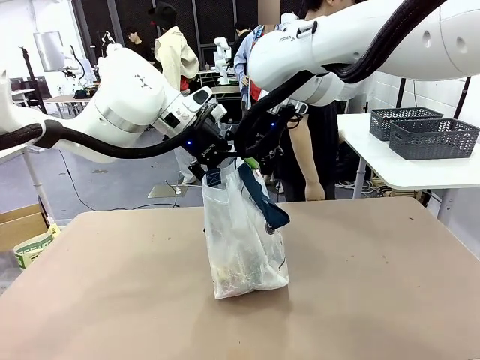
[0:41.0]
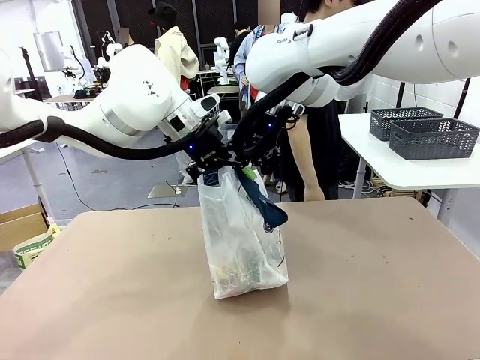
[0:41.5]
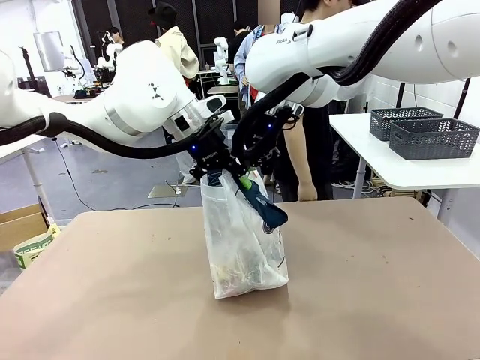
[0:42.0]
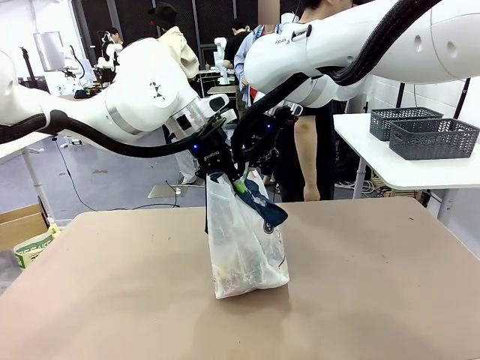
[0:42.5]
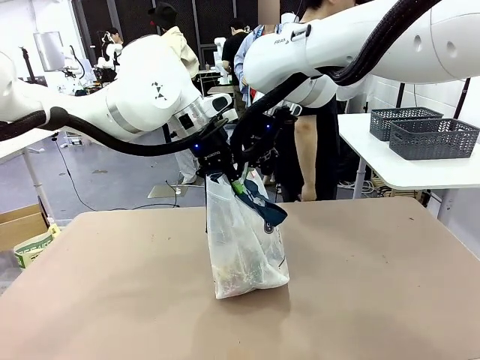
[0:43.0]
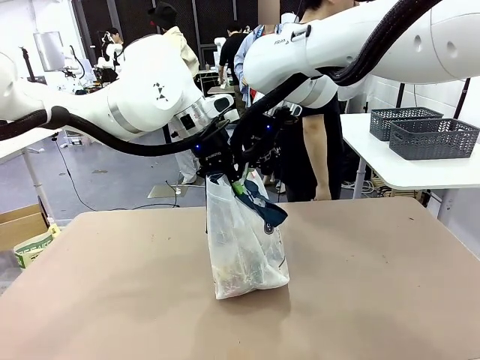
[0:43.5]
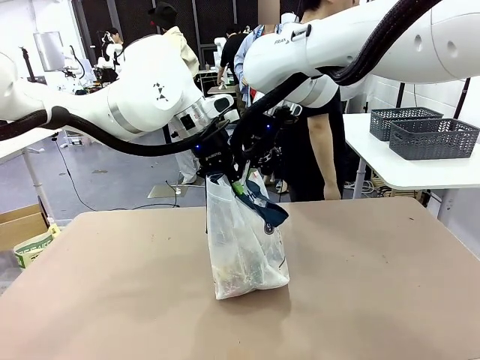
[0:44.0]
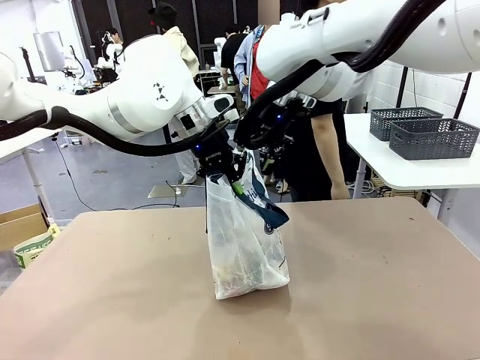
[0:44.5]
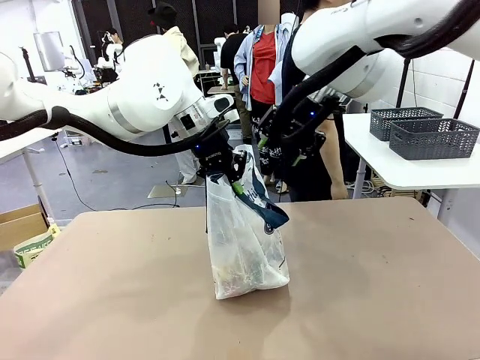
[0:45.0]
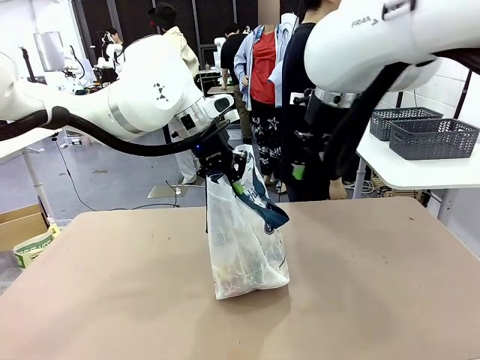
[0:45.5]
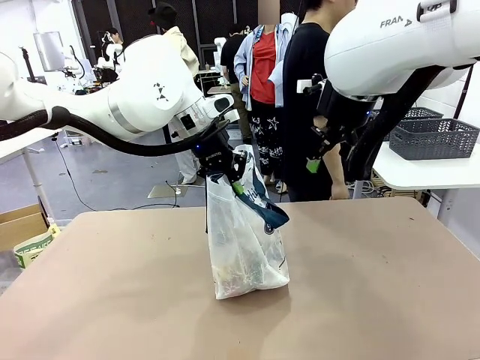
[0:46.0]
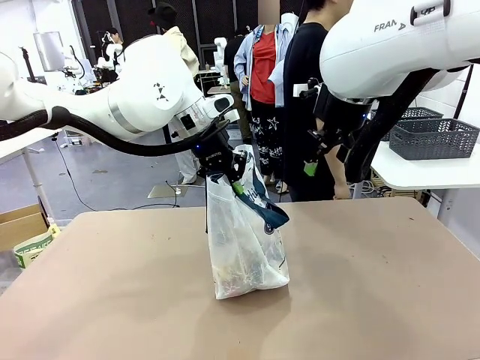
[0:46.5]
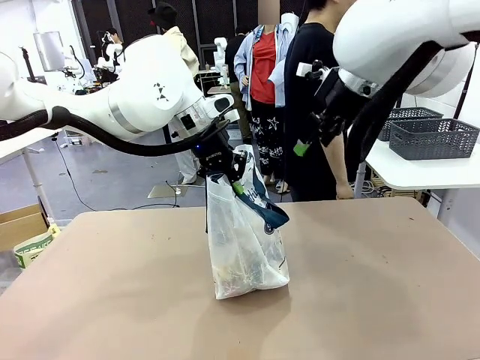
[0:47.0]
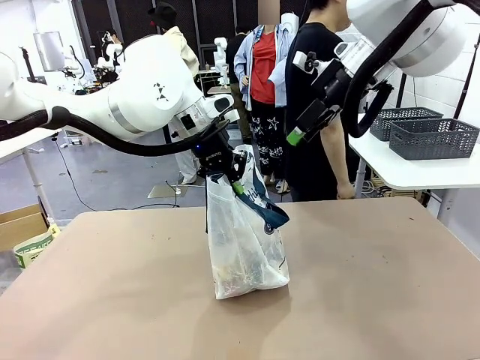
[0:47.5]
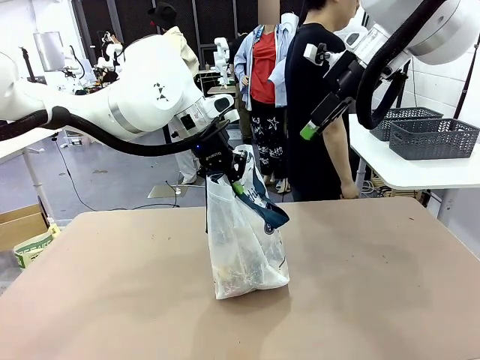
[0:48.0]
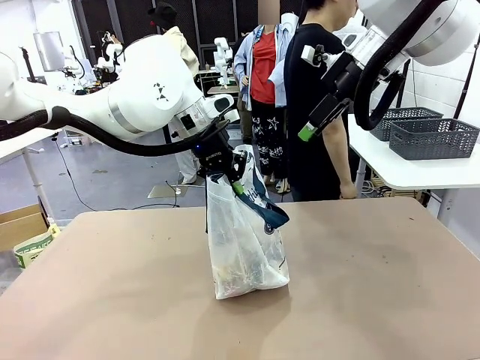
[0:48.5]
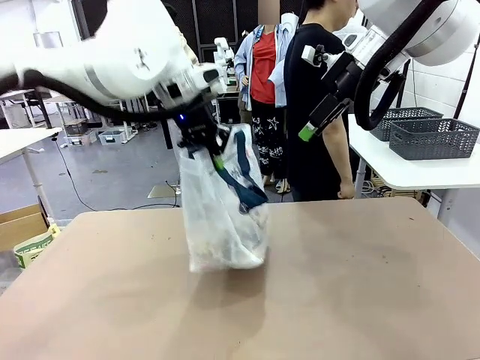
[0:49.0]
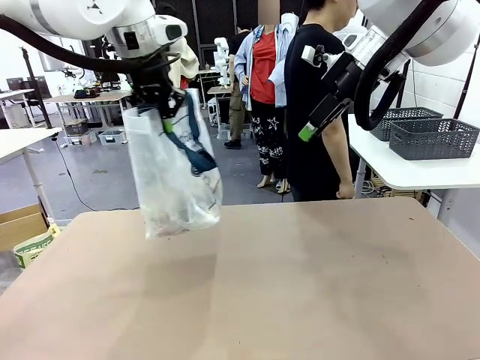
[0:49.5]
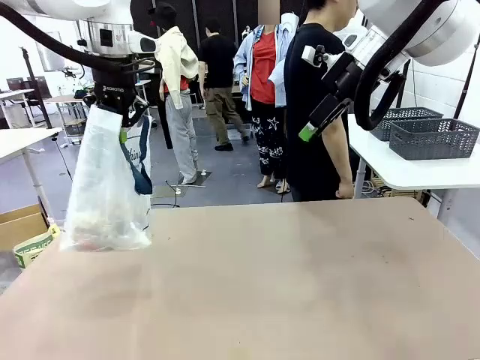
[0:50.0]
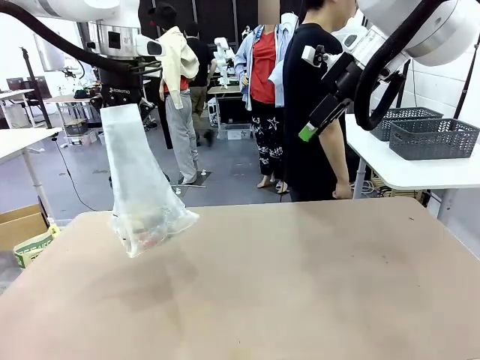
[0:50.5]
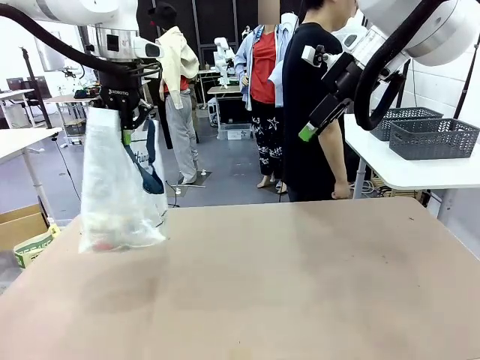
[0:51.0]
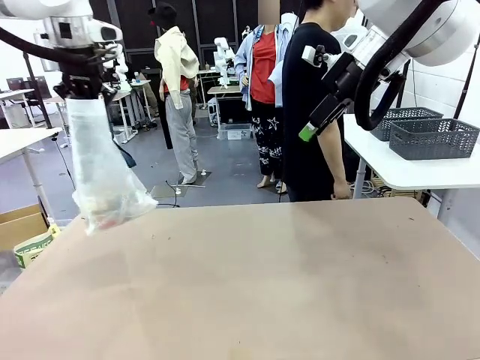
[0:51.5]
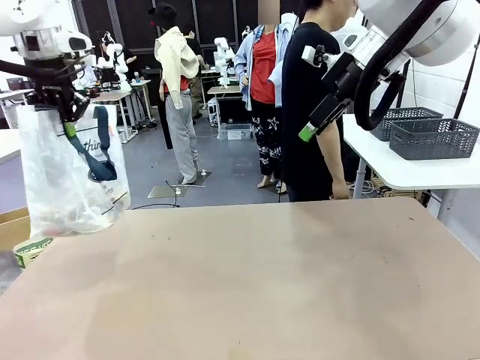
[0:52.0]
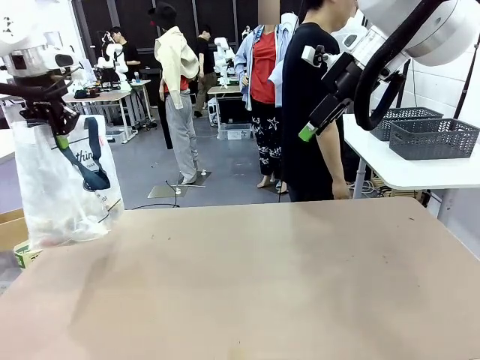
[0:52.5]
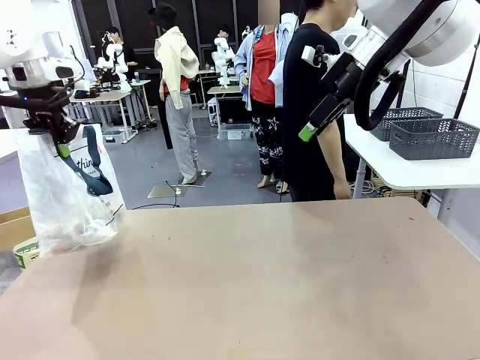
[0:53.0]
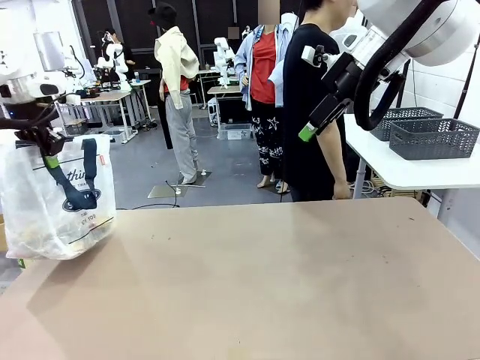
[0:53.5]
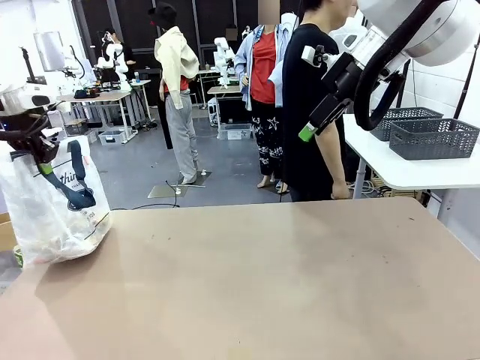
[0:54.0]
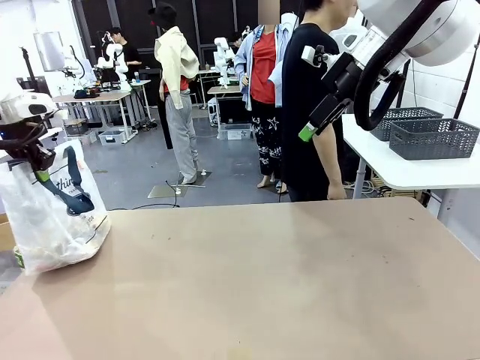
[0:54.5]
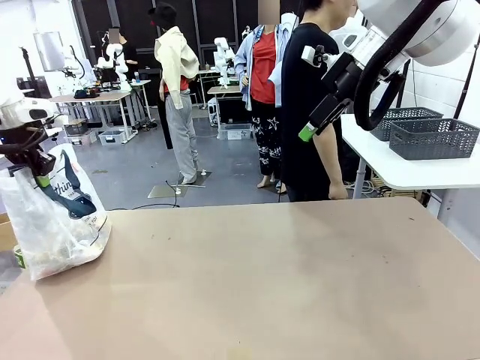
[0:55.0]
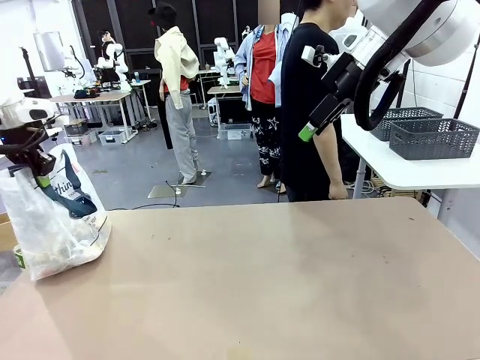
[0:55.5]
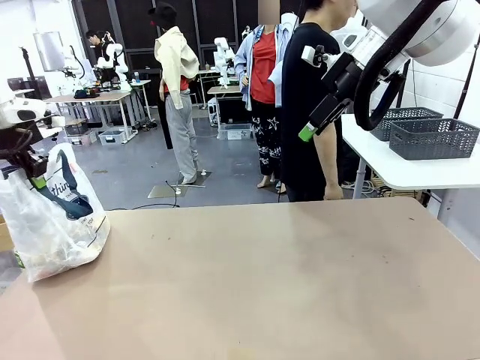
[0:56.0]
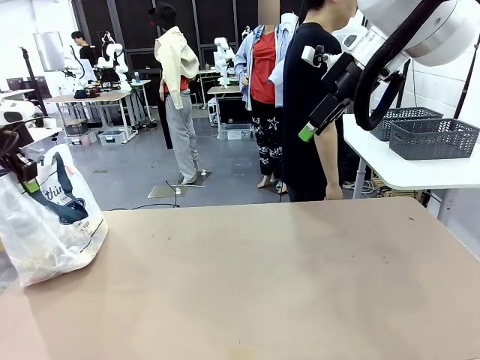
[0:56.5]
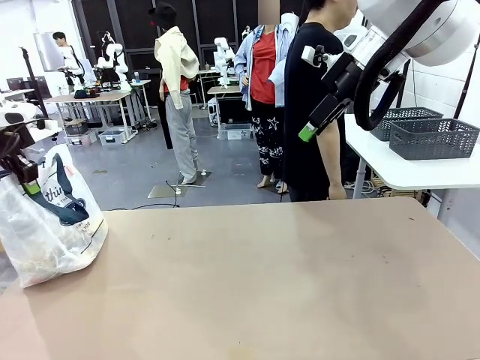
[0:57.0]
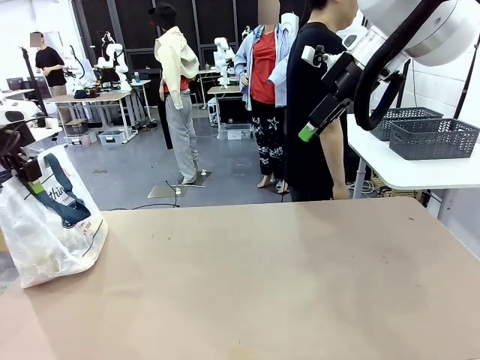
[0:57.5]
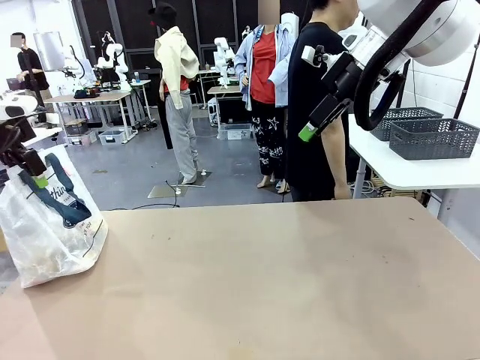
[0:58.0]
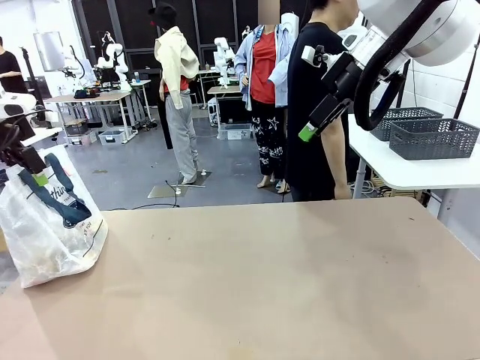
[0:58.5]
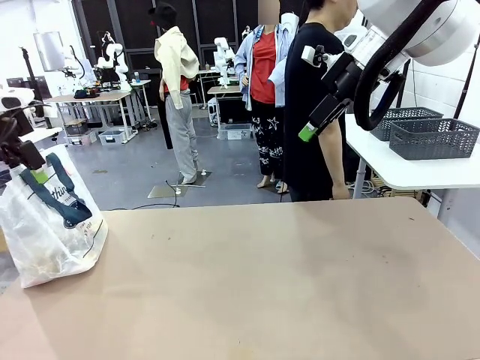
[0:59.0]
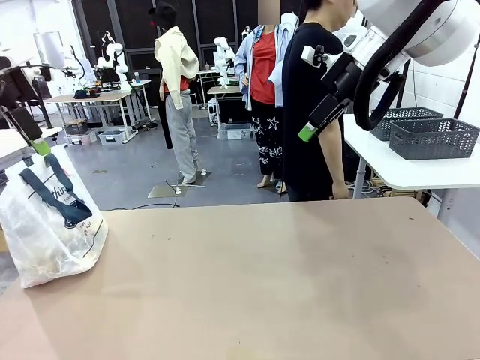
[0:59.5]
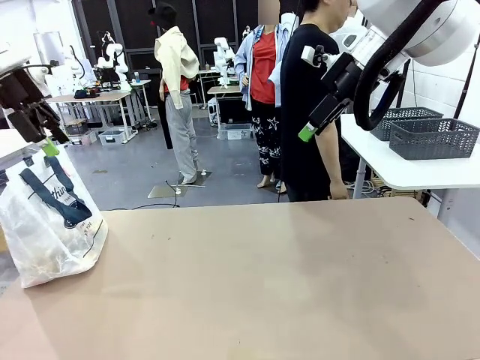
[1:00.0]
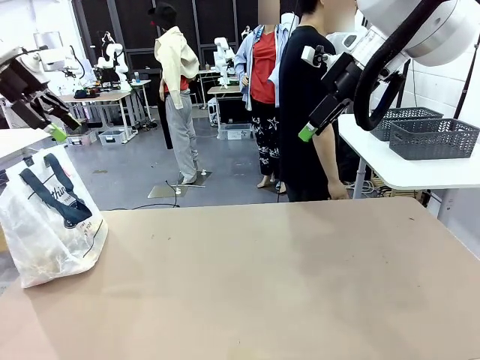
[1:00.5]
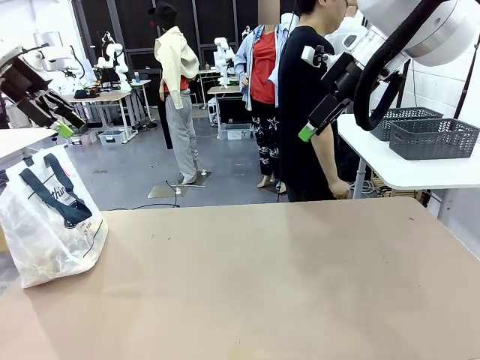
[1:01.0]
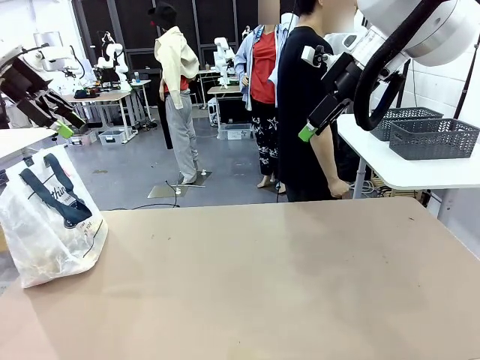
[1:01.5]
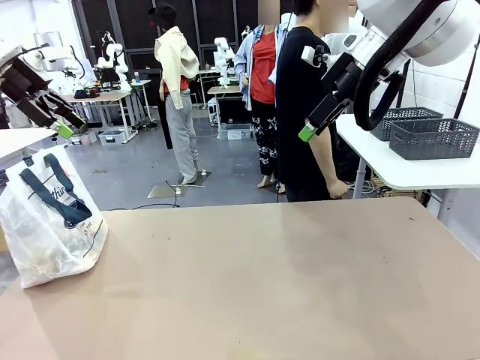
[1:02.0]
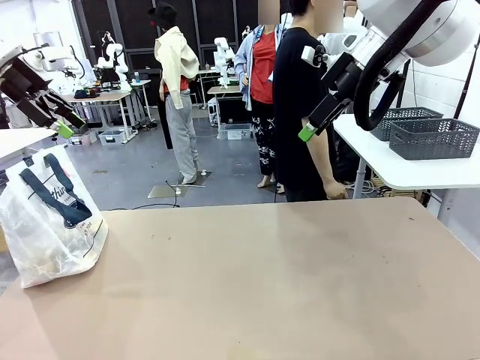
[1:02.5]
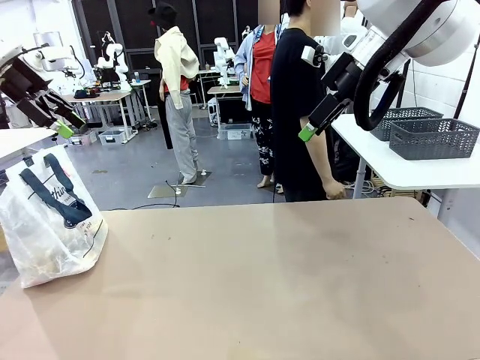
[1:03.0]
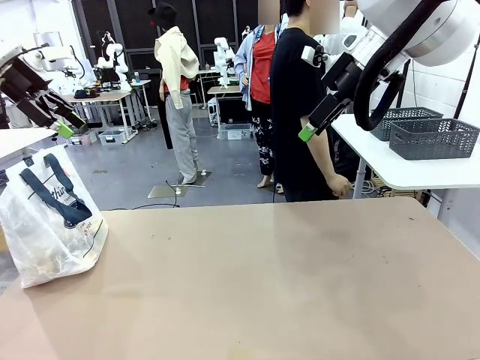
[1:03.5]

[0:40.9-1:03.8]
Task: Transfer purchased items from the store into the shopping bag.
Robot: Move the Reusable shopping bag to the right side of the table.
Person: Move the basket on the left to the middle of the person's table.
